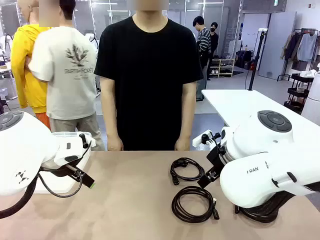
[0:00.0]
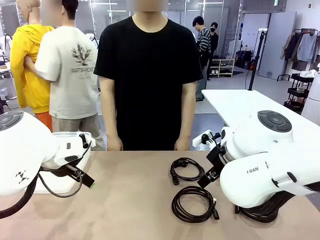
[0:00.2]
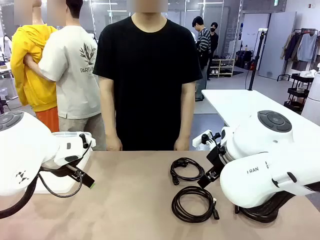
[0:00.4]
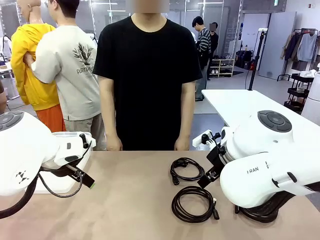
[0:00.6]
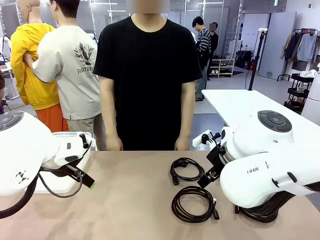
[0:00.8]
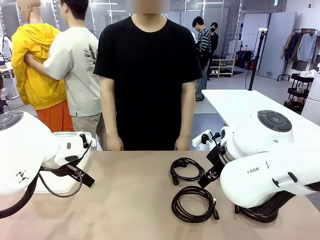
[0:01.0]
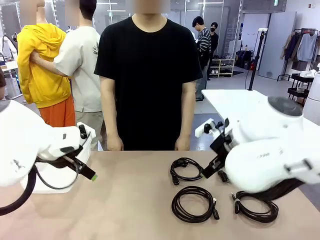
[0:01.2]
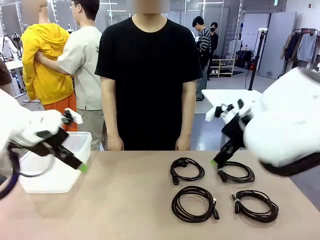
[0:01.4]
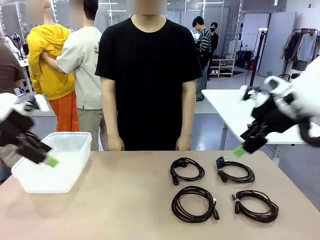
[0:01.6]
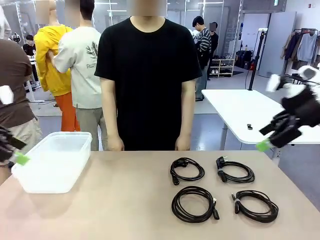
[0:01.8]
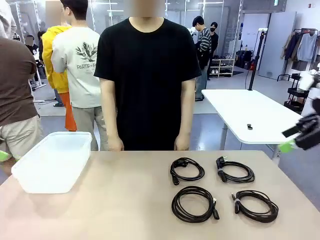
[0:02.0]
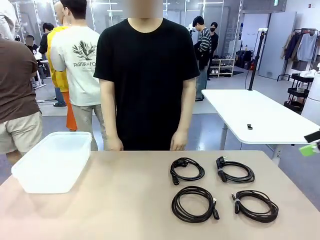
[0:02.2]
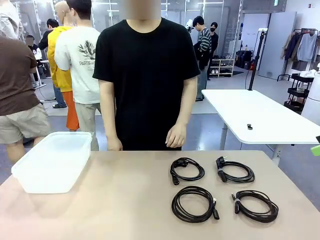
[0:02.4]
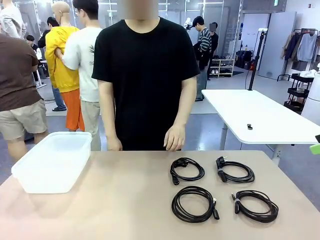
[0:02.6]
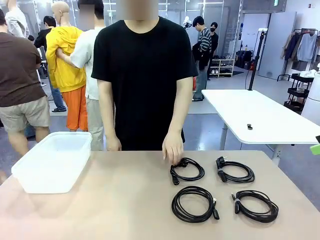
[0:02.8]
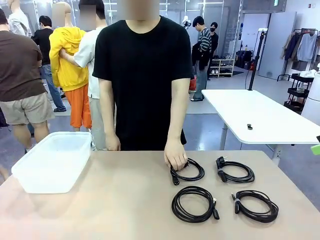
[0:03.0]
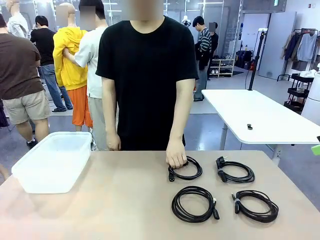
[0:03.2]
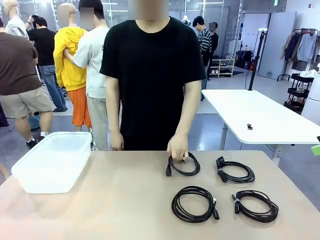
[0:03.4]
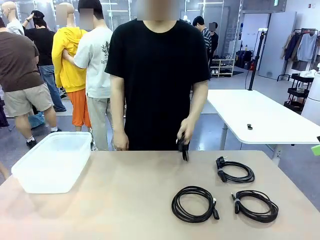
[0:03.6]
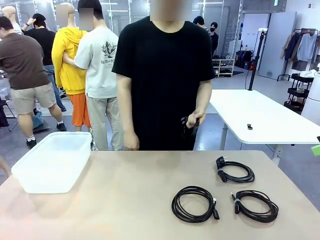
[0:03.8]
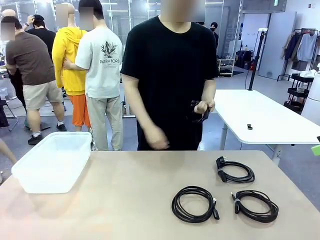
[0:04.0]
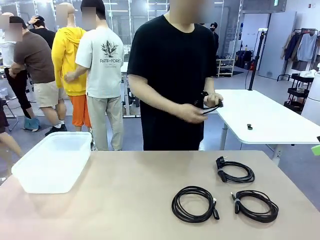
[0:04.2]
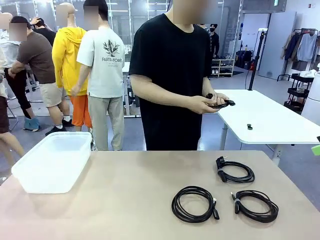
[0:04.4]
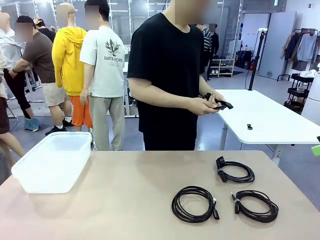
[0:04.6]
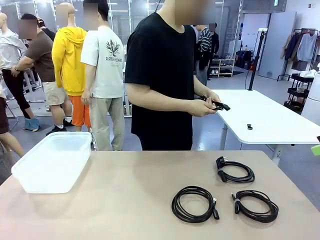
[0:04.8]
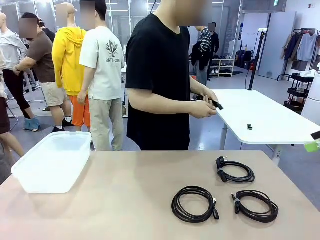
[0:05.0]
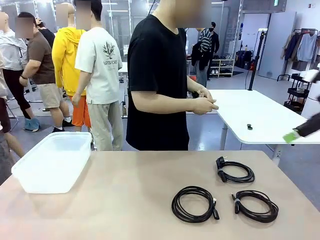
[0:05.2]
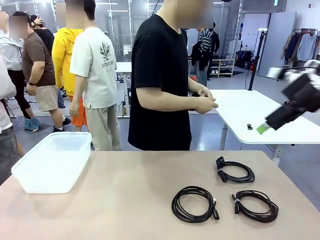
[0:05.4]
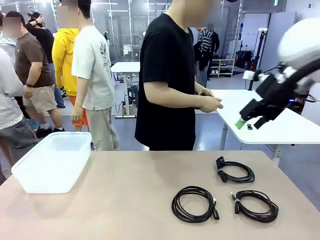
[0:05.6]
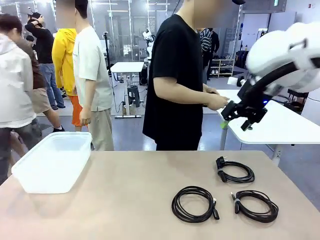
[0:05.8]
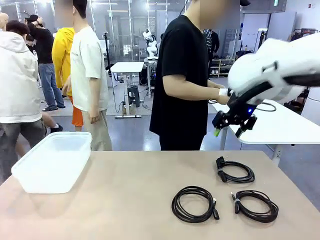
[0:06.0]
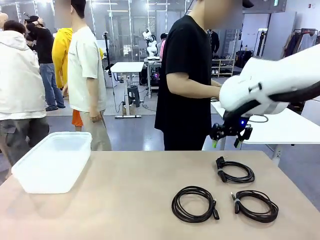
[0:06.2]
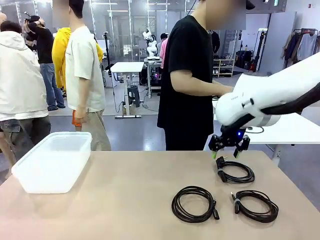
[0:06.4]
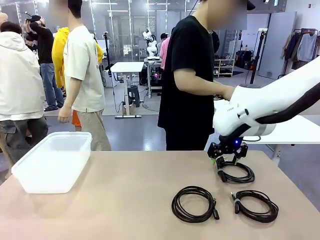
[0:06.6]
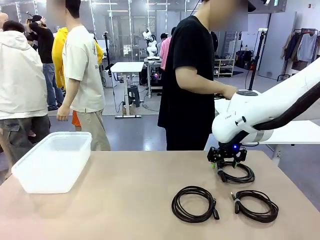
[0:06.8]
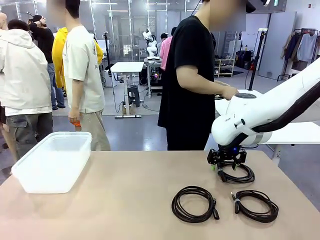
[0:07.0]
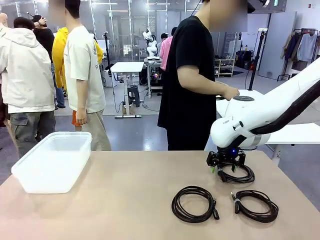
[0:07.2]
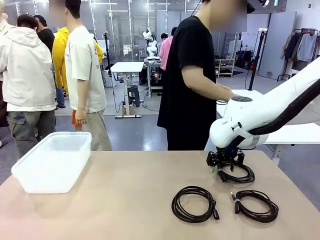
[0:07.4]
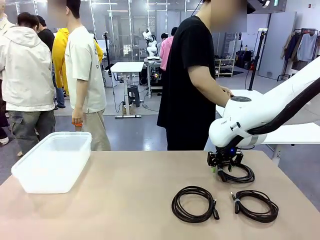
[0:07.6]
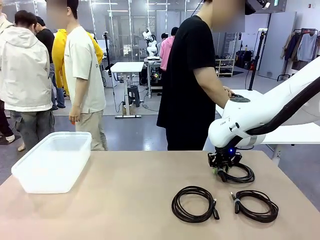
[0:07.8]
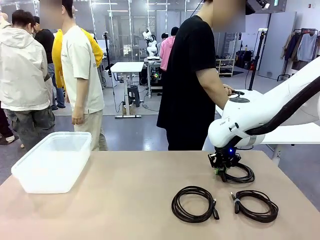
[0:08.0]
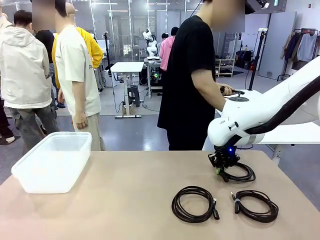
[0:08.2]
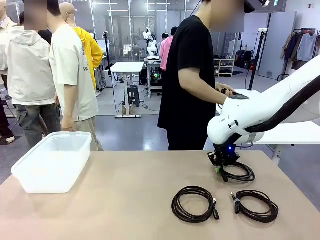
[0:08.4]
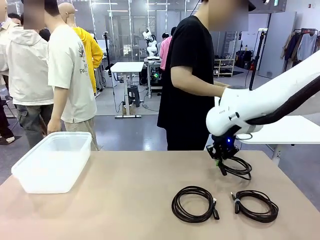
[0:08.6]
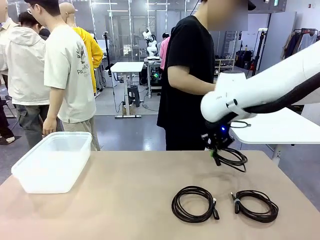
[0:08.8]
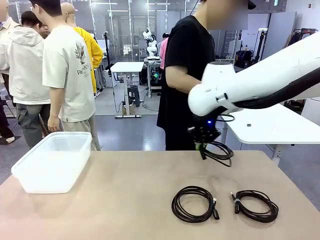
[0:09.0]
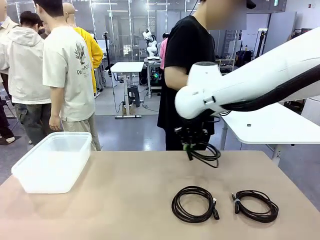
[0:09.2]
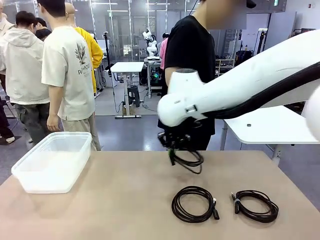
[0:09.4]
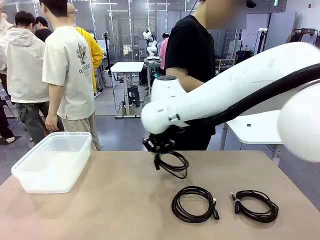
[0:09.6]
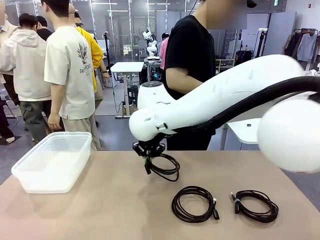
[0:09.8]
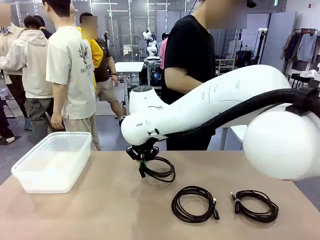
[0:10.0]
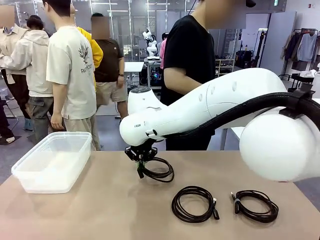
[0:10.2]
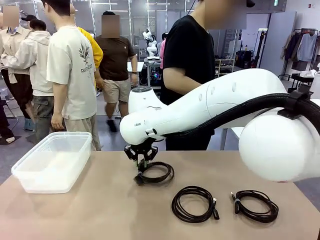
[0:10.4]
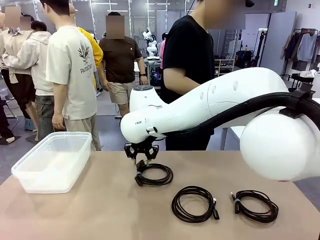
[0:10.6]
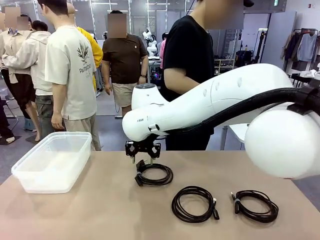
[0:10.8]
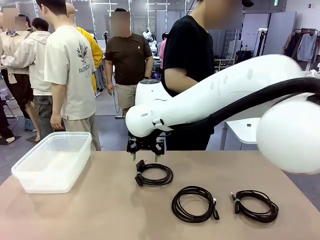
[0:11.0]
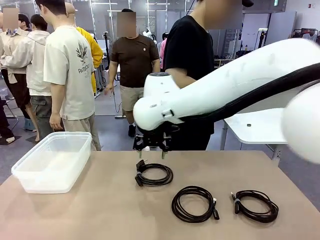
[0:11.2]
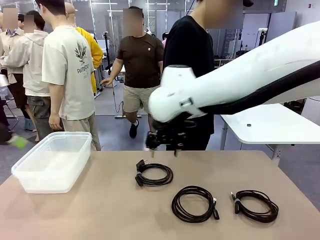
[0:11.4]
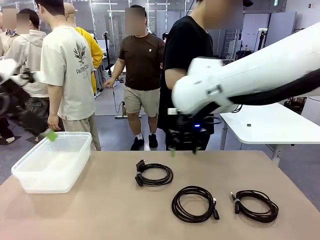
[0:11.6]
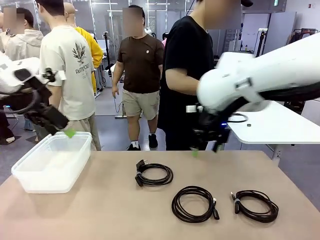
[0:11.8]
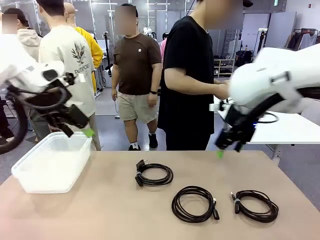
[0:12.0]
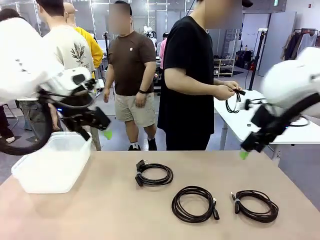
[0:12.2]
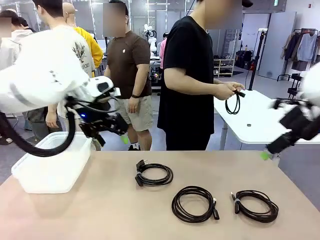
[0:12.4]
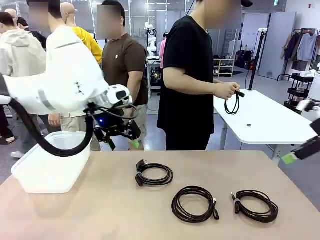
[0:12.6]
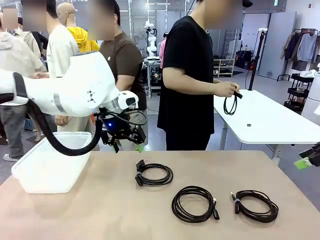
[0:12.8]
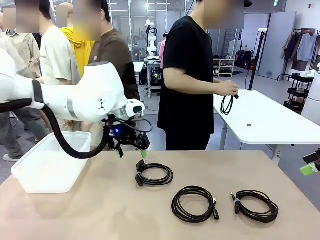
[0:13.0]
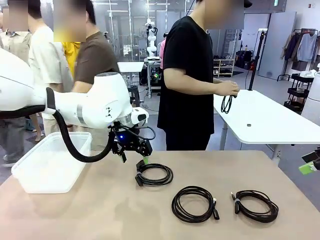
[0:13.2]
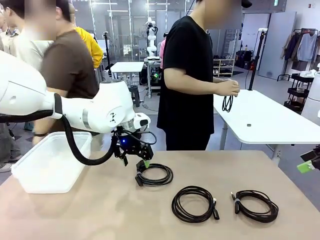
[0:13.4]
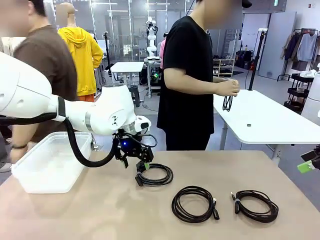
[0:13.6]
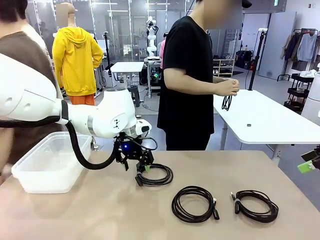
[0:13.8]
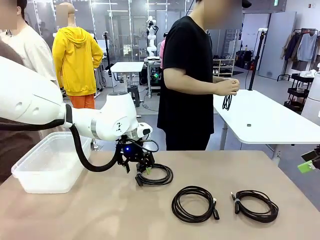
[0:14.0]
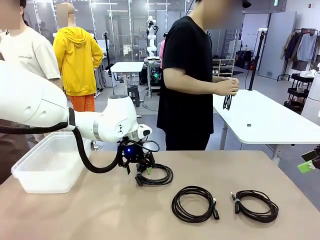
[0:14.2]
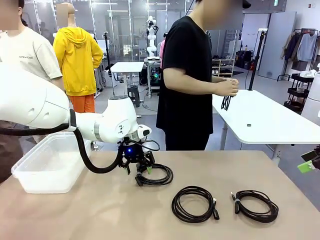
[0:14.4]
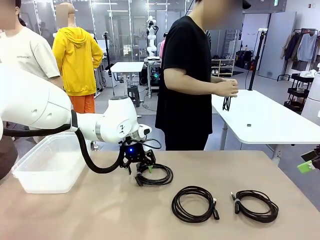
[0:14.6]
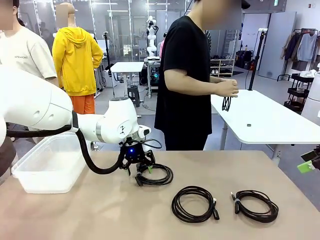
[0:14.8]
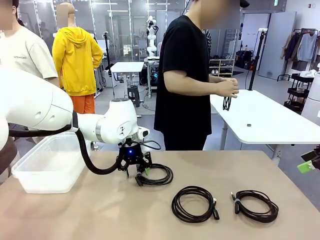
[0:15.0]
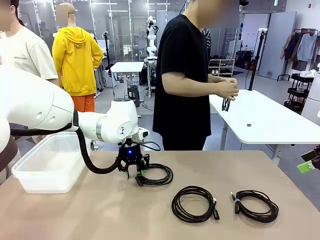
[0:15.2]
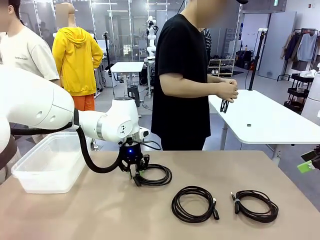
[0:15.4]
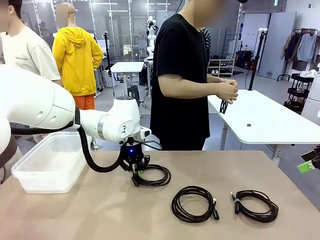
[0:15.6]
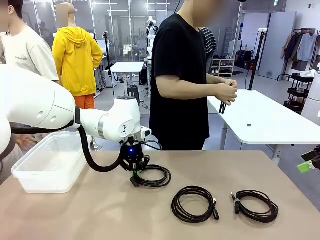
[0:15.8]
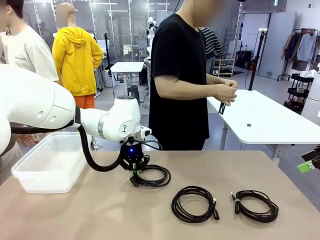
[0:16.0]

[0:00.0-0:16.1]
Task: Organize and store the cables.
Robot: Place the Power Cable into the Organizing box.
Person: Tie one Power Cable with a Reusable Cable Tie.

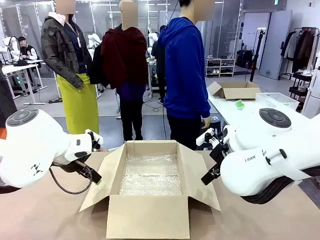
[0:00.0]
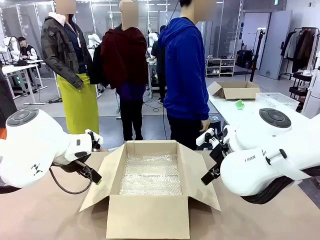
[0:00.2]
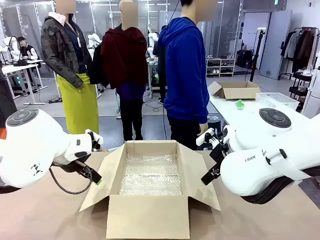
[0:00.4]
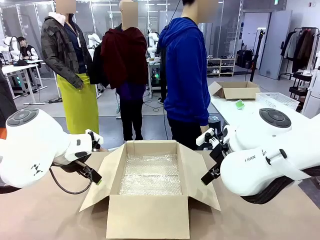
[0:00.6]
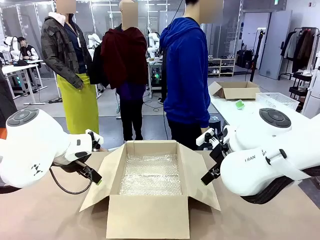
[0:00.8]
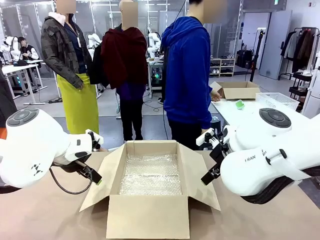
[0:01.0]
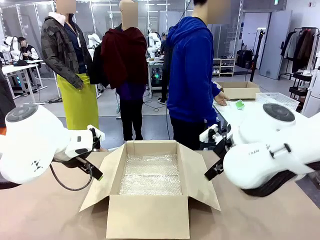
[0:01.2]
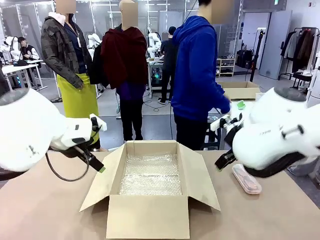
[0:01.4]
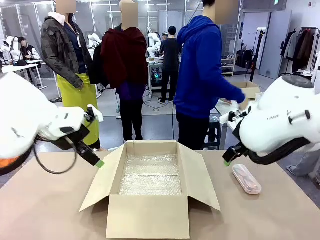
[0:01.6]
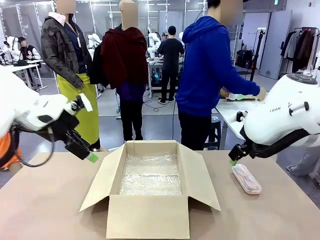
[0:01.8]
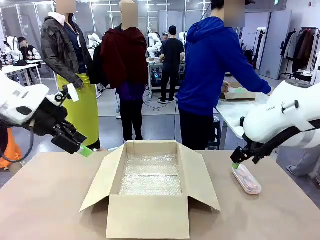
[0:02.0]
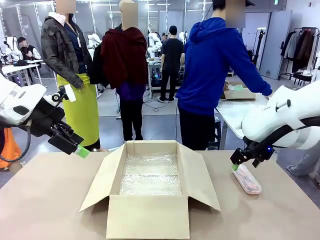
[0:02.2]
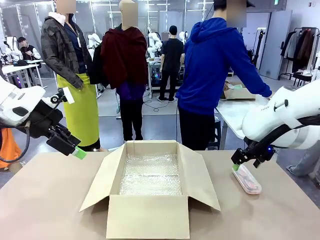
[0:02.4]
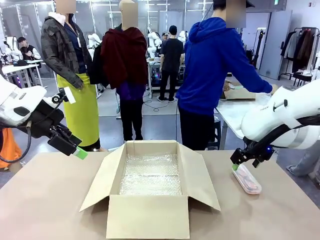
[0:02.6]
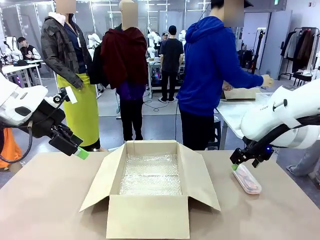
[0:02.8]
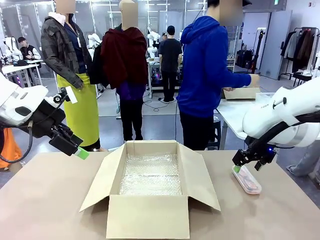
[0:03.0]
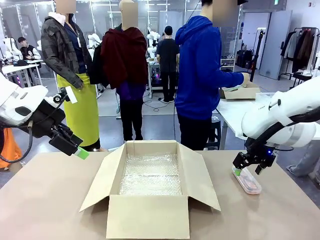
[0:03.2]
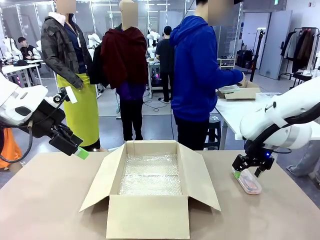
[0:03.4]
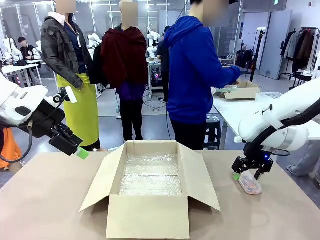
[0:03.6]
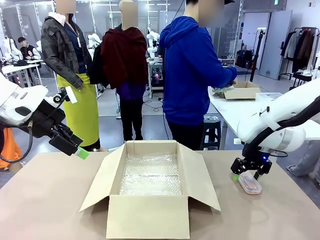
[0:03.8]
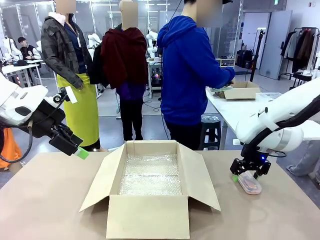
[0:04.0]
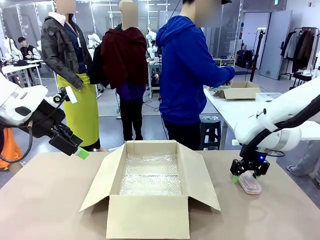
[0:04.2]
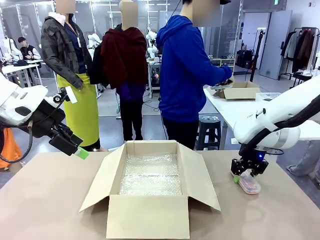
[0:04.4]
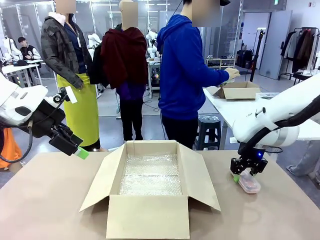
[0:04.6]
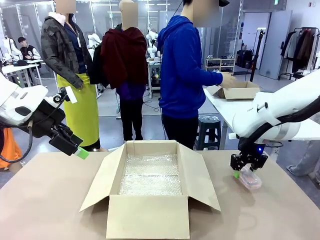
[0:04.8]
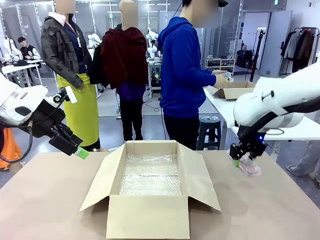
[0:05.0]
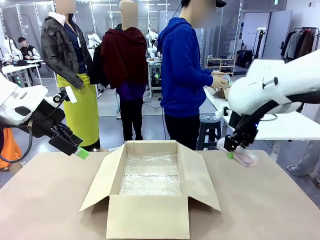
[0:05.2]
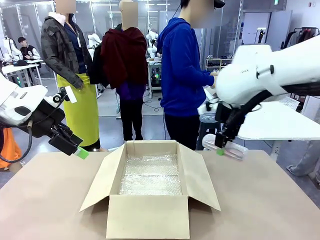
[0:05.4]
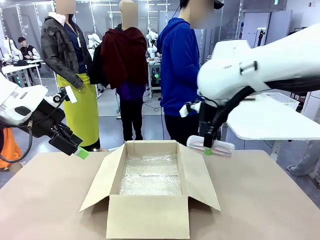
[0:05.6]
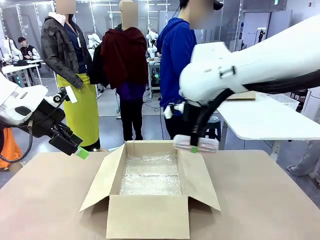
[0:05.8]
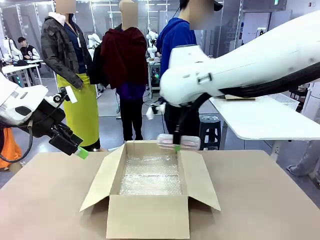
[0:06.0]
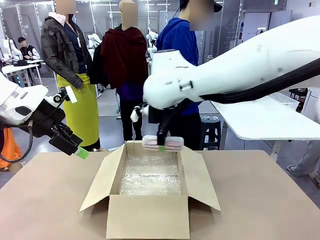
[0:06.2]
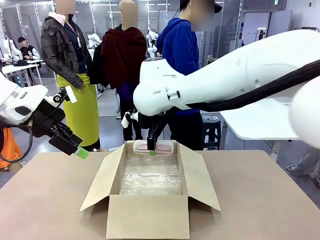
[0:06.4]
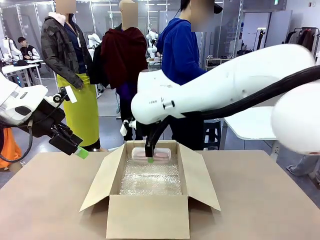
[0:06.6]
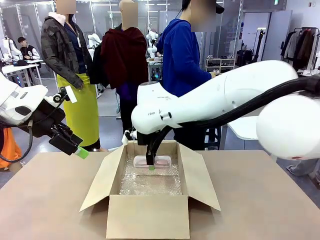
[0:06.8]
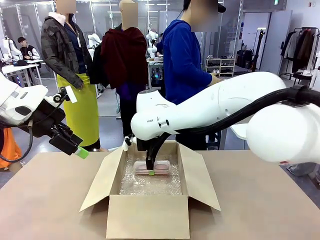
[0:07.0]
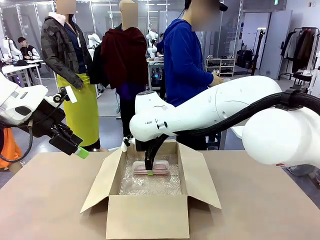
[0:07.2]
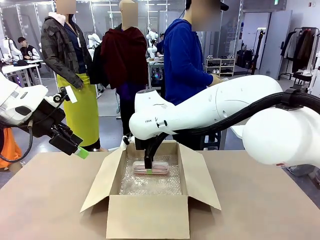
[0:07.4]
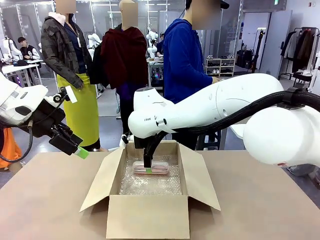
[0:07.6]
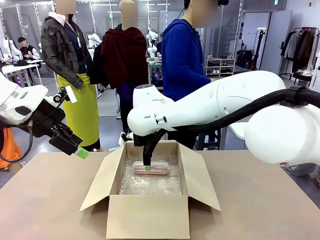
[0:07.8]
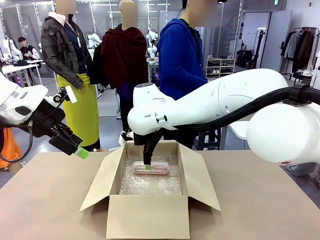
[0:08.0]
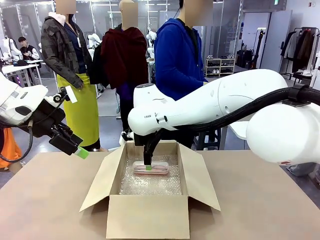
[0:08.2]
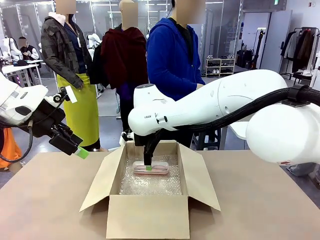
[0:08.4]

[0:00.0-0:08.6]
Task: Pack the glasses set securely to prepare it for shipping.
Robot: Place the Glasses case inside the Package Box.
Person: Place the Glasses inside the Glasses case.
